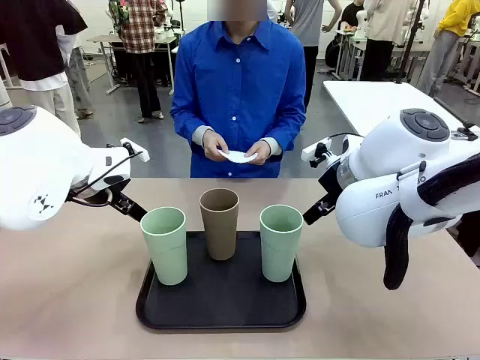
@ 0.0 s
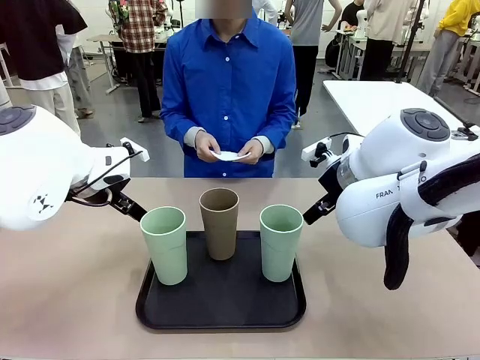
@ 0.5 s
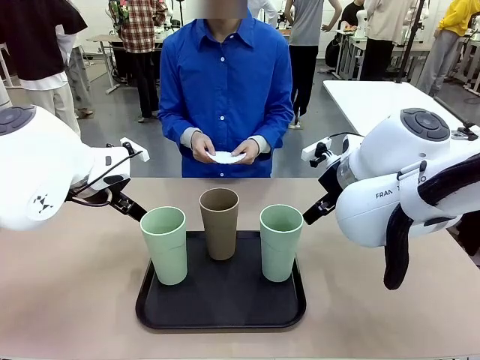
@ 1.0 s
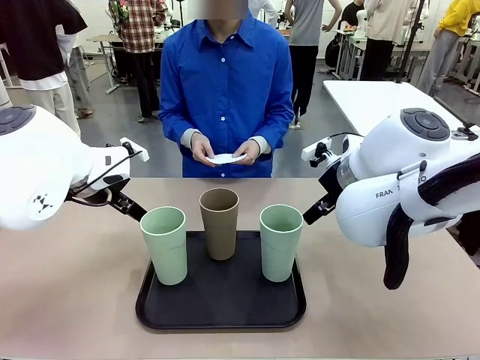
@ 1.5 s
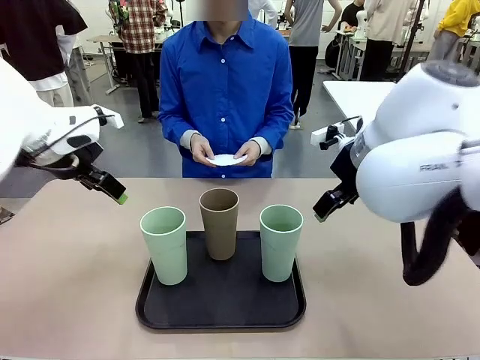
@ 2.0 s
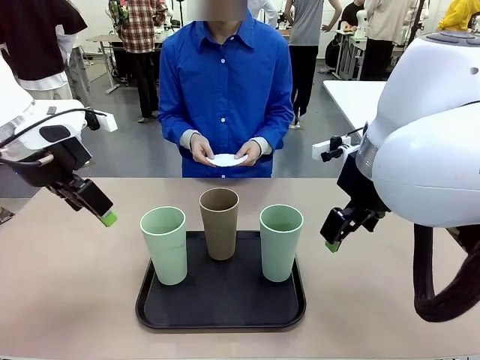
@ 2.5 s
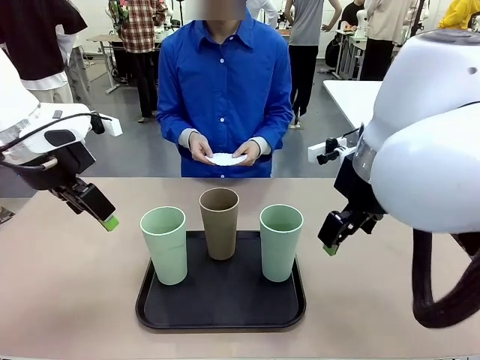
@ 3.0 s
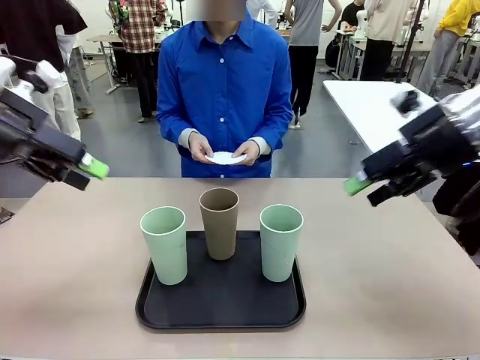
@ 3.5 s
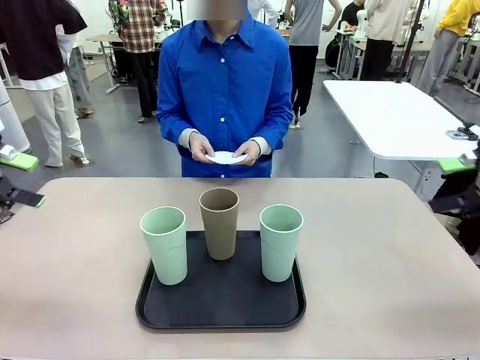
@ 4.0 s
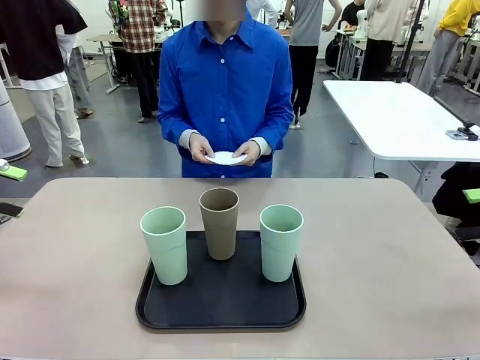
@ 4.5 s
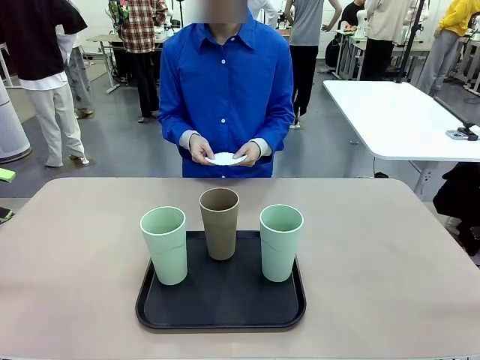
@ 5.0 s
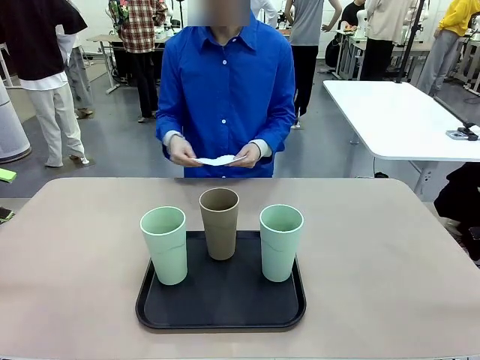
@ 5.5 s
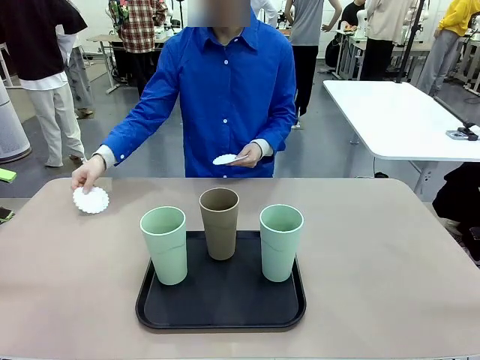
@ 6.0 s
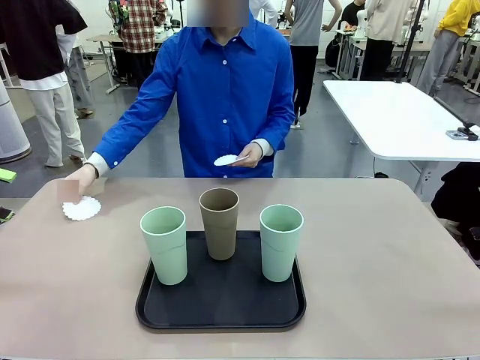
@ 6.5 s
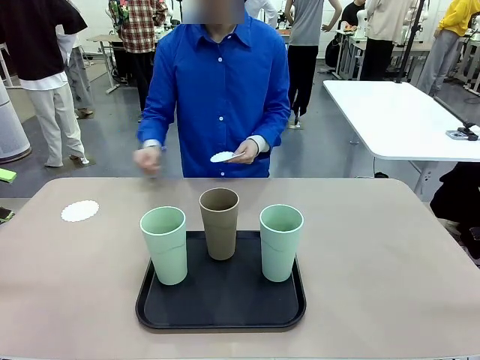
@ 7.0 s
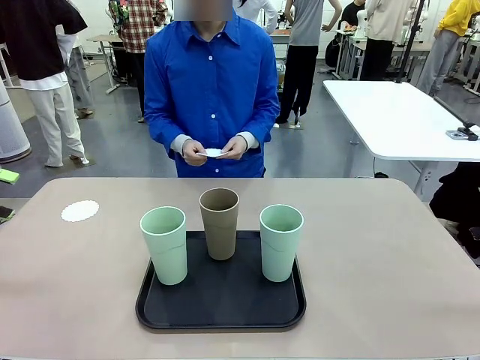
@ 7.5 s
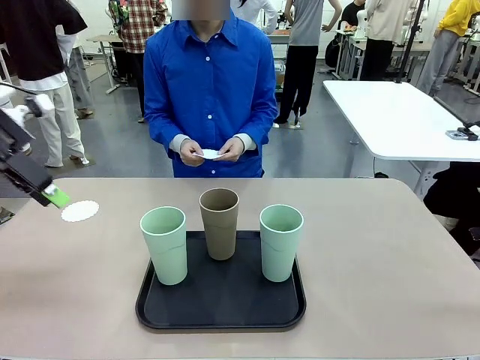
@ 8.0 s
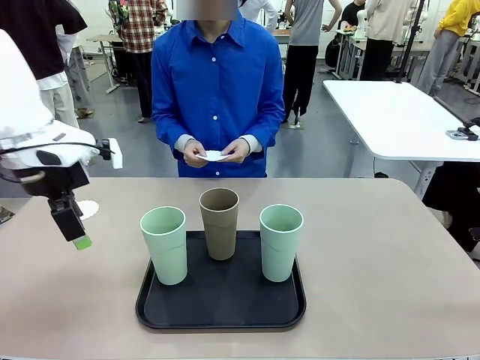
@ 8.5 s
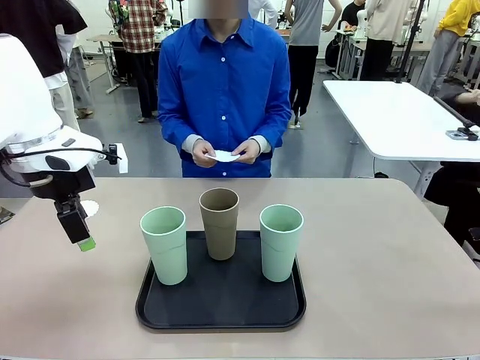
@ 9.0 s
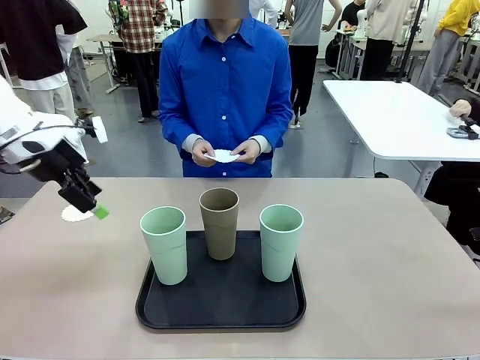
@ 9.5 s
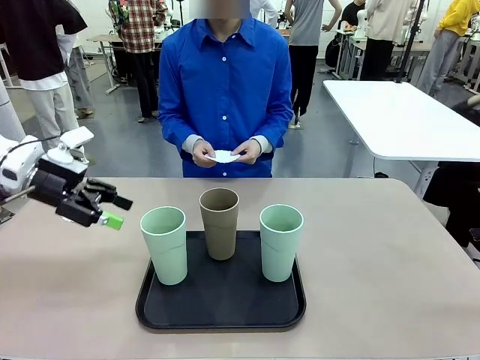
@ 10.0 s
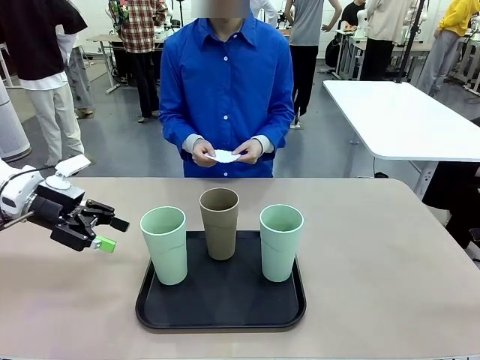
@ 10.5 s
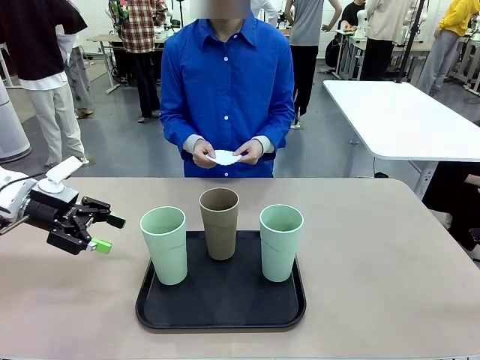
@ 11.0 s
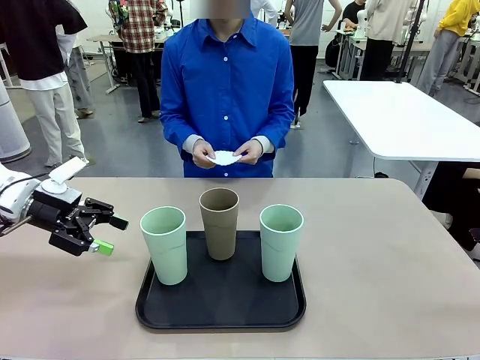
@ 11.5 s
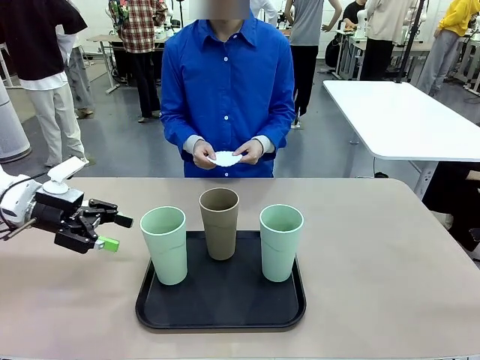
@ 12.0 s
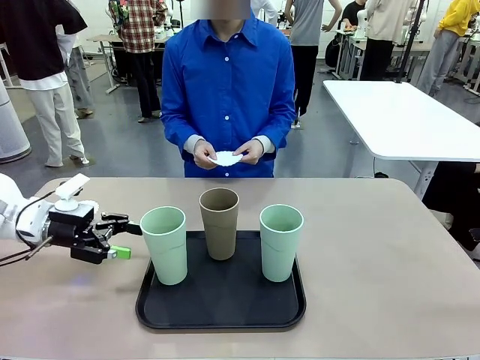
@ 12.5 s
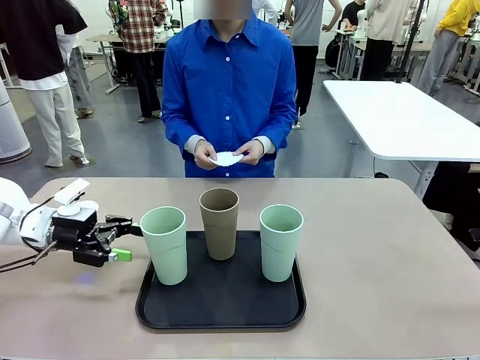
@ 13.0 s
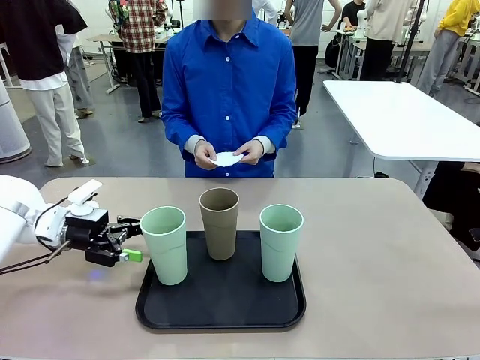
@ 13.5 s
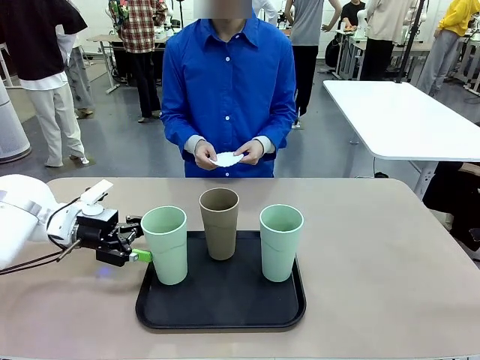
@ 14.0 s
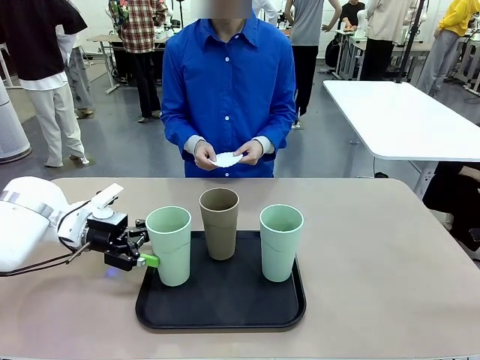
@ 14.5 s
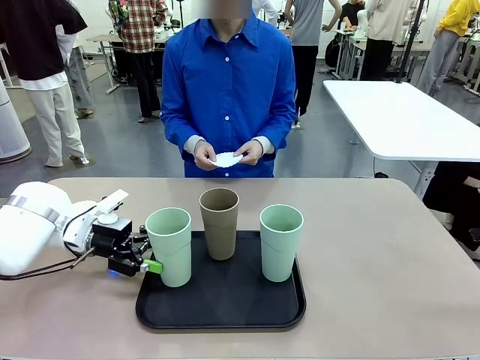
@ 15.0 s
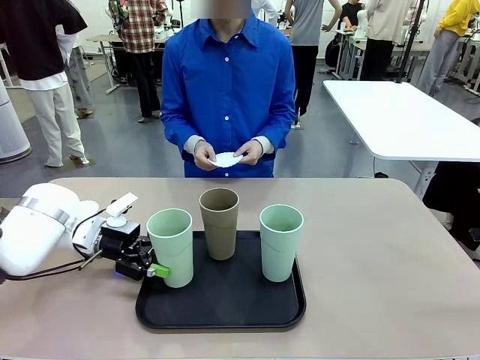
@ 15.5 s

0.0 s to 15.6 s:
Task: Place coasters on the table and set cups on them.
Robot: Pick up one Reusable plastic cup and place it on a coaster set by the human.
Person: Place one coaster in any one of the three lower areas of the robot table (left, center, or right).
